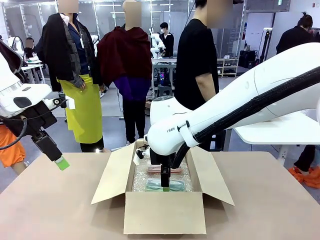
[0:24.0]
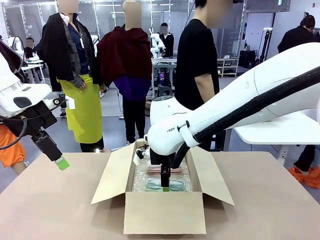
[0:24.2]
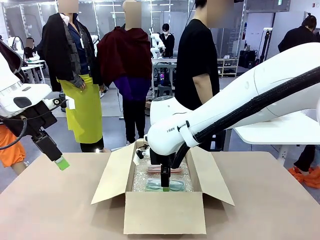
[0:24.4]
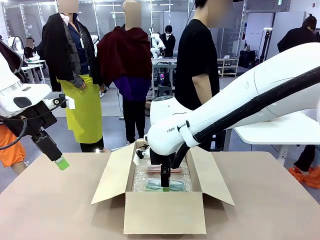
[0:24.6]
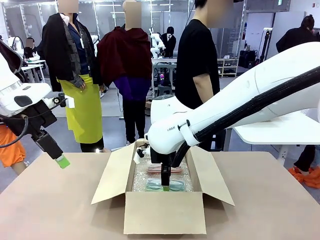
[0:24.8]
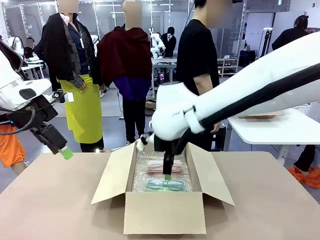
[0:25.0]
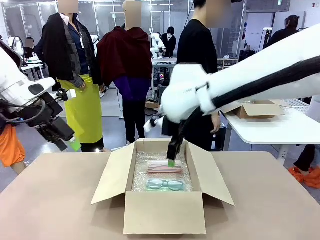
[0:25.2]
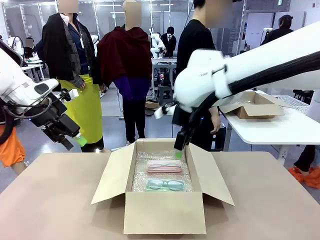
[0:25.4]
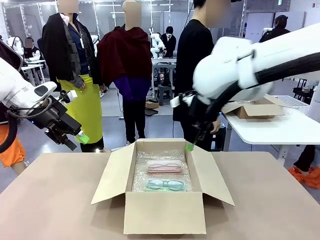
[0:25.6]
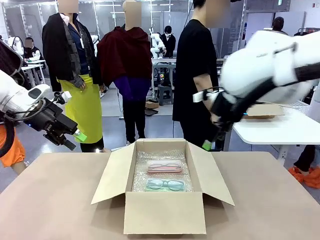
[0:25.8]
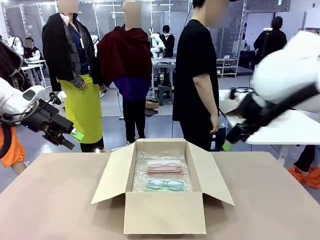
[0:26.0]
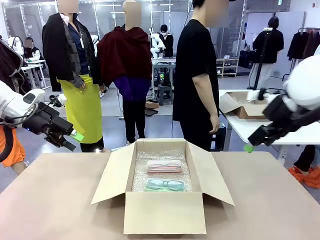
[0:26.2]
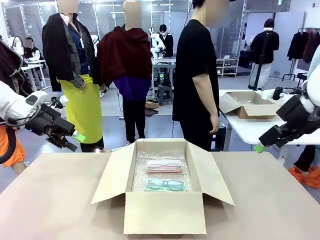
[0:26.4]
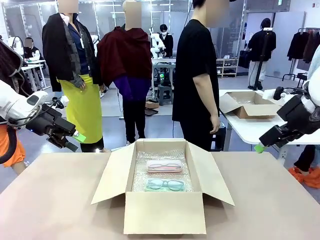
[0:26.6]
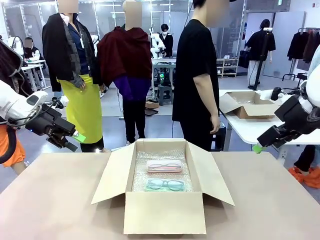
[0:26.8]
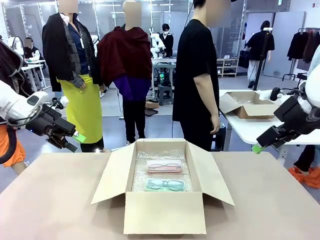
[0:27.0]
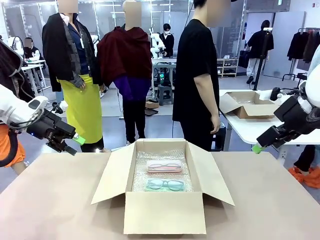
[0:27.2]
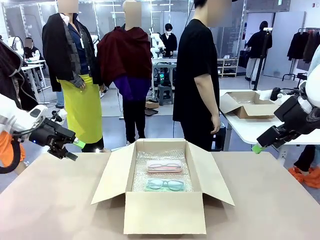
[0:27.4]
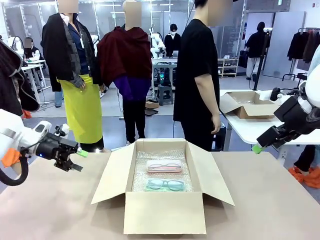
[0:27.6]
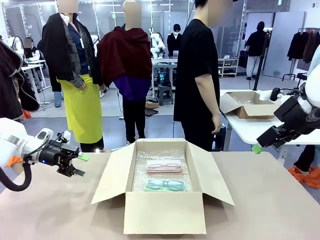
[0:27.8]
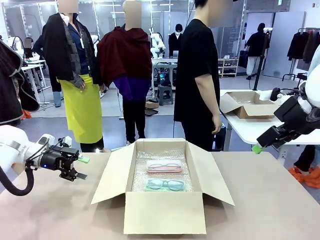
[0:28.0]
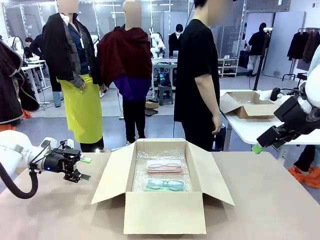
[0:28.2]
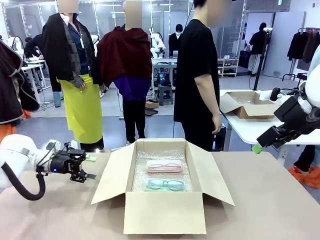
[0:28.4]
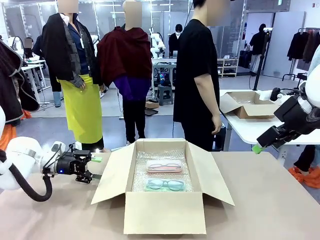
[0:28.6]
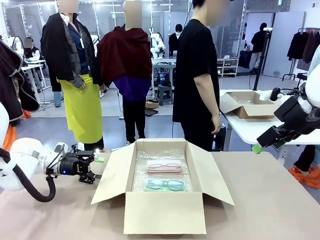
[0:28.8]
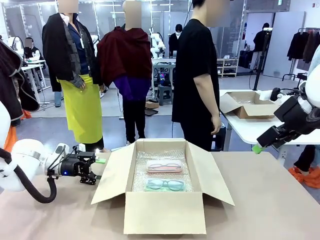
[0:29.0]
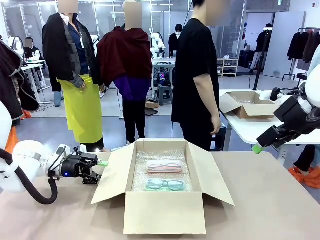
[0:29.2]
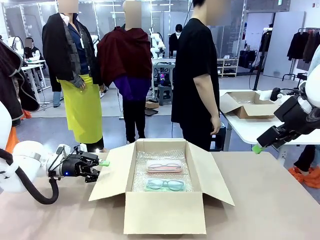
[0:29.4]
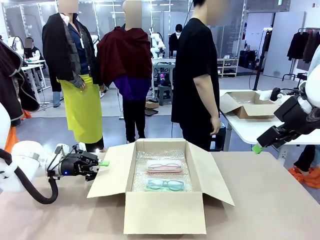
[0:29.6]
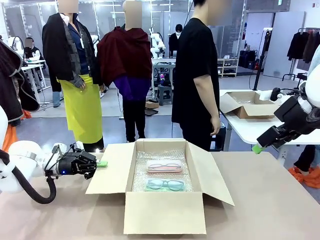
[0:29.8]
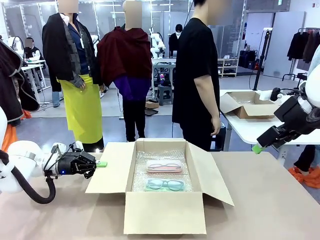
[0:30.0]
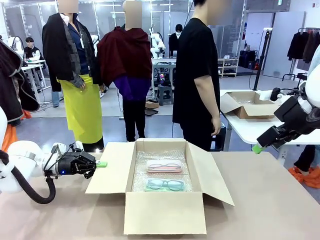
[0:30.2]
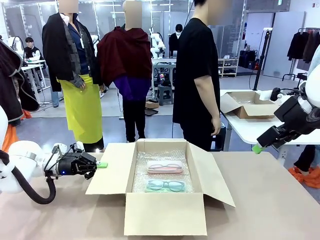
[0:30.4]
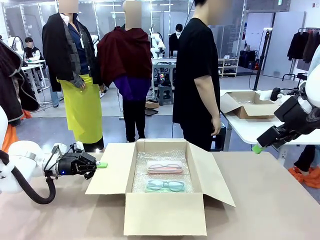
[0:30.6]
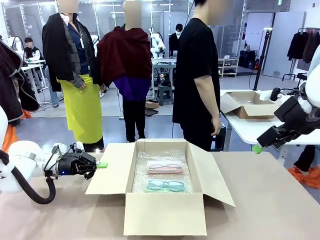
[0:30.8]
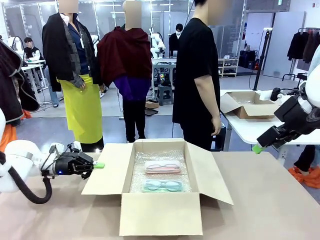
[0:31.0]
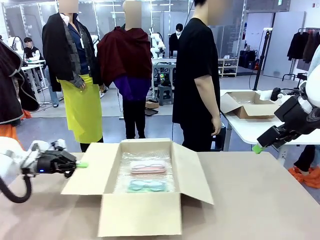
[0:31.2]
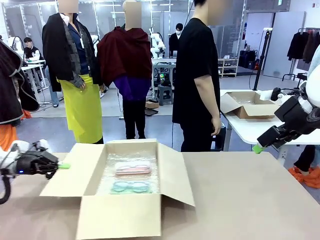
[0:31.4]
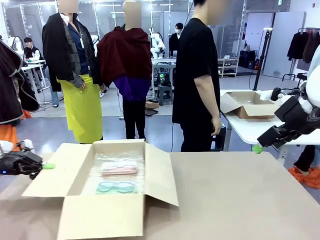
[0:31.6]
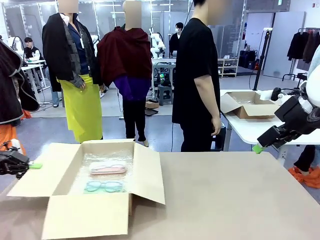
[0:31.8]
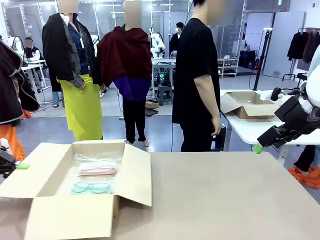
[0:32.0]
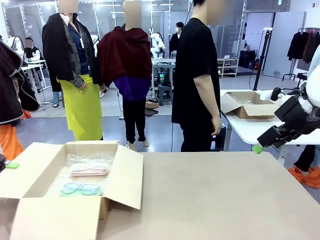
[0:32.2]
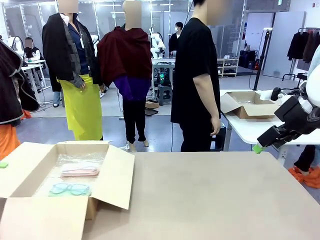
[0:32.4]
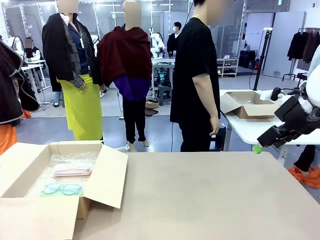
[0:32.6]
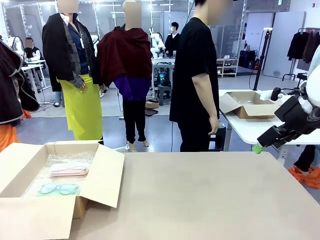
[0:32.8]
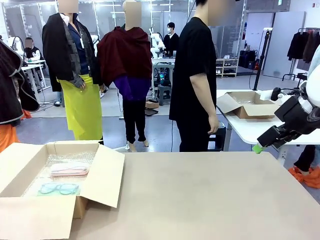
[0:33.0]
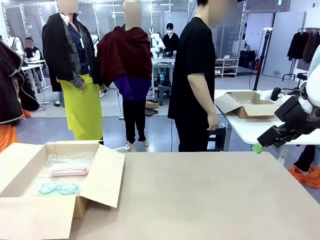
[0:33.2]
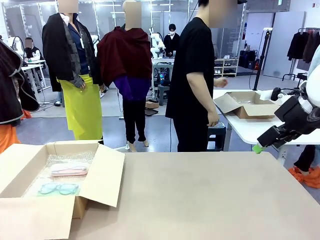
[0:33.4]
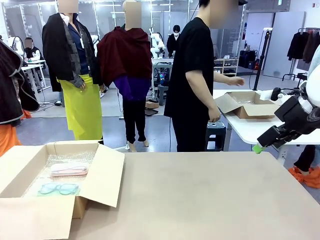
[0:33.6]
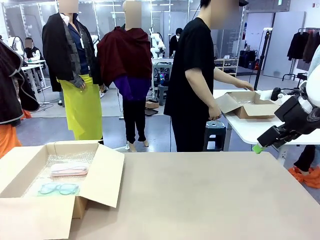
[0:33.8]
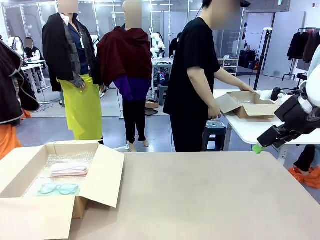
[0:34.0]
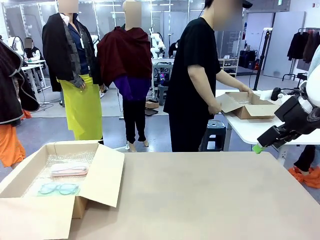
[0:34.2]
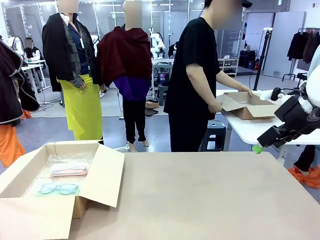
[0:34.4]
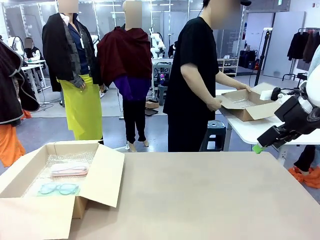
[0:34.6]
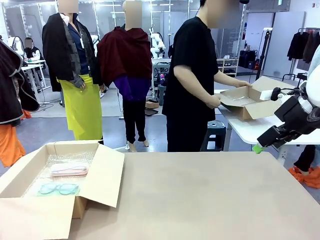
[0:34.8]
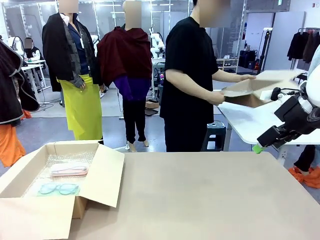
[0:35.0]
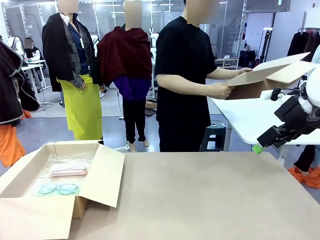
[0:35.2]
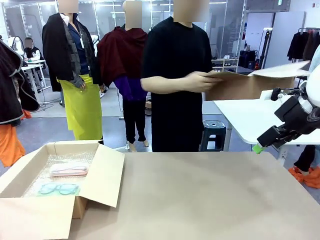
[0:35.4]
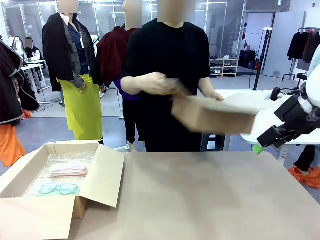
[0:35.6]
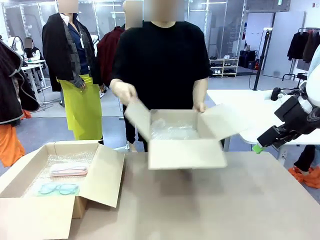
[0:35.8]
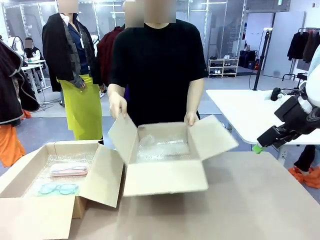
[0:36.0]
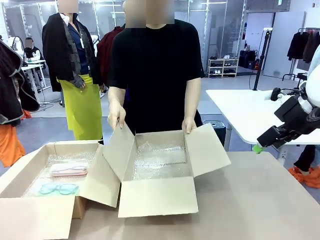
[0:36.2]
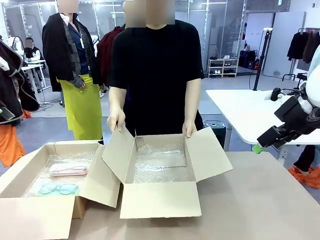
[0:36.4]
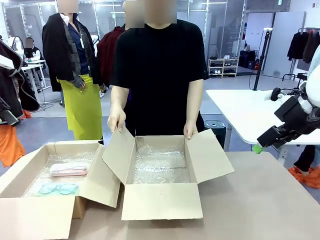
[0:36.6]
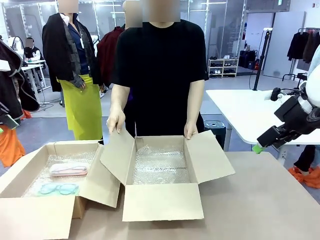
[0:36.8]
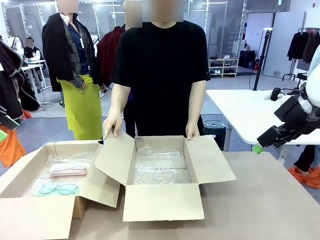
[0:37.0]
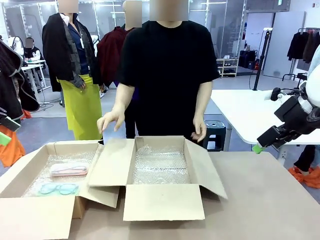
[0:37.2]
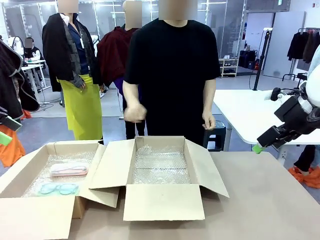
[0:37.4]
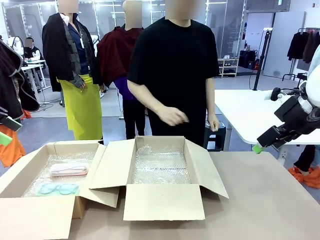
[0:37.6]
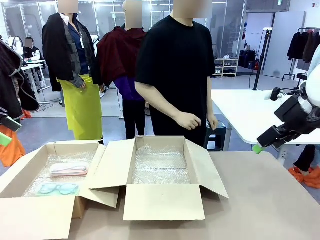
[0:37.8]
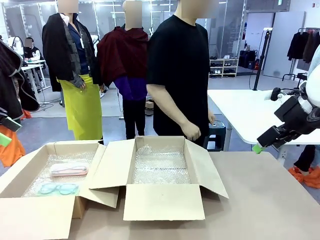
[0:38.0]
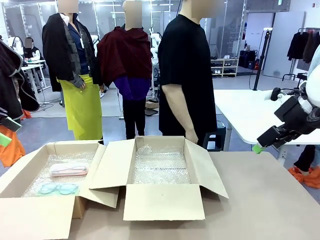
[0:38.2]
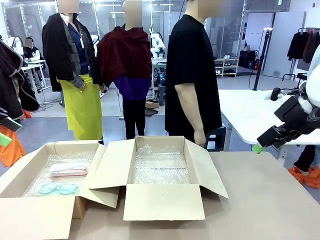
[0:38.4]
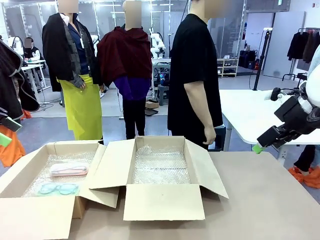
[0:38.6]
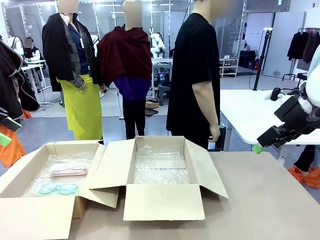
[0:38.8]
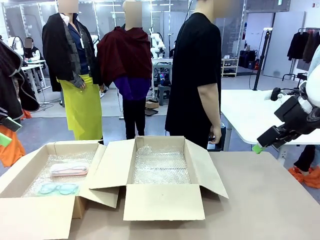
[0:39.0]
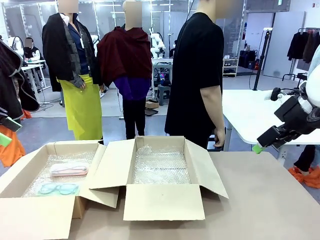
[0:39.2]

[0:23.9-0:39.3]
Task: Pack the glasses set securely to prepare it for shipping.
Robot: Position the Package Box on the left side of the table.
Person: Position the empty Package Box in the middle of the robot's table.

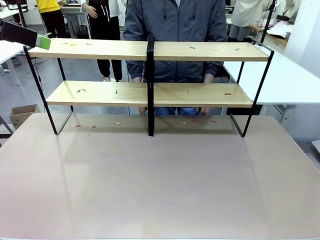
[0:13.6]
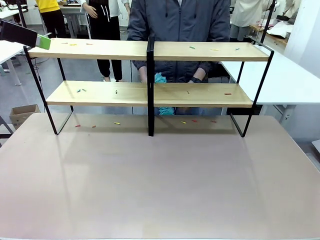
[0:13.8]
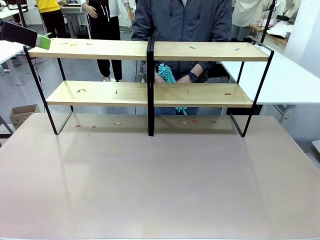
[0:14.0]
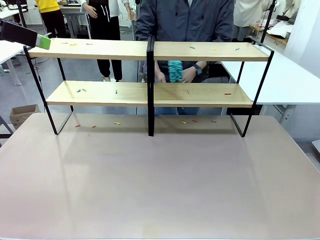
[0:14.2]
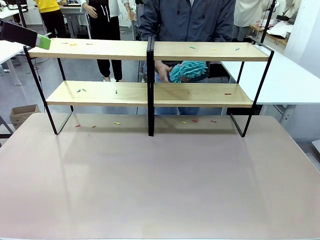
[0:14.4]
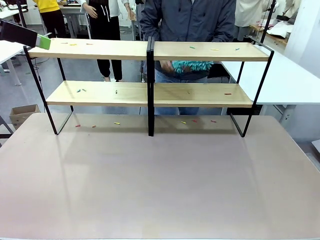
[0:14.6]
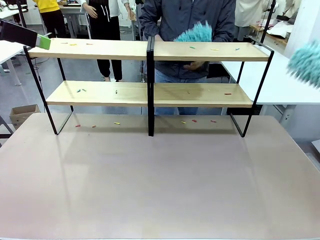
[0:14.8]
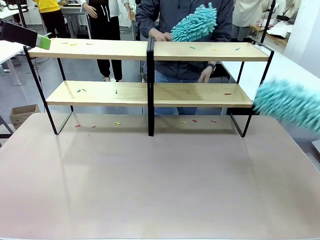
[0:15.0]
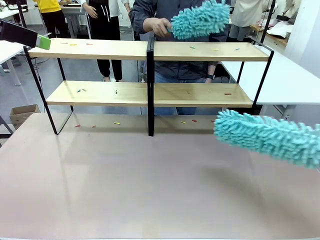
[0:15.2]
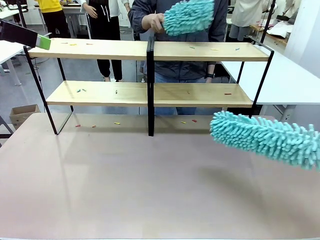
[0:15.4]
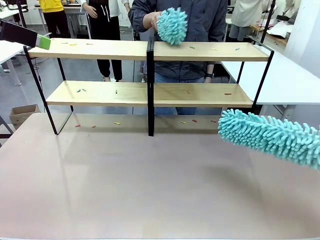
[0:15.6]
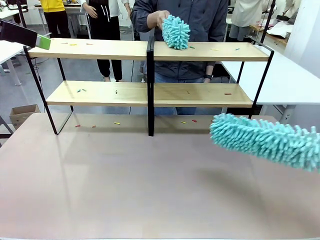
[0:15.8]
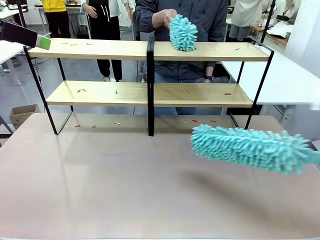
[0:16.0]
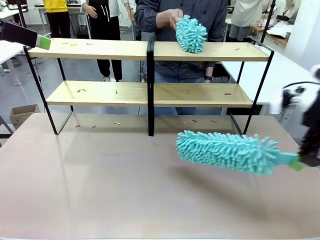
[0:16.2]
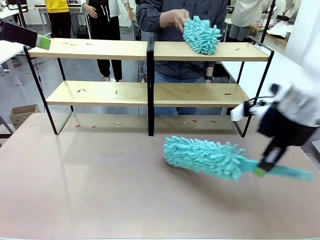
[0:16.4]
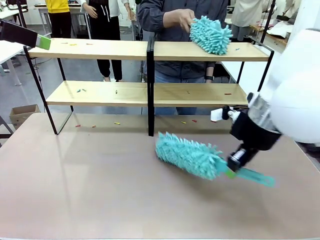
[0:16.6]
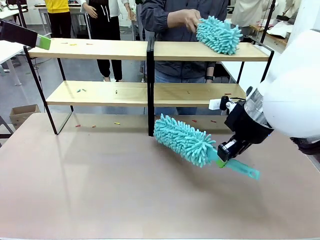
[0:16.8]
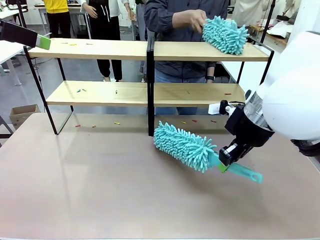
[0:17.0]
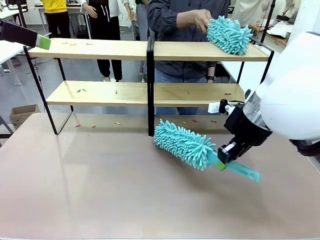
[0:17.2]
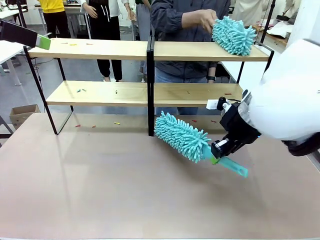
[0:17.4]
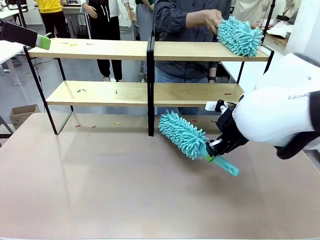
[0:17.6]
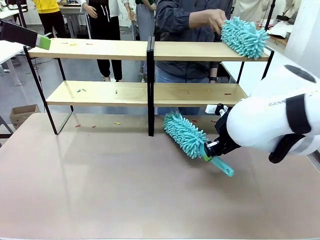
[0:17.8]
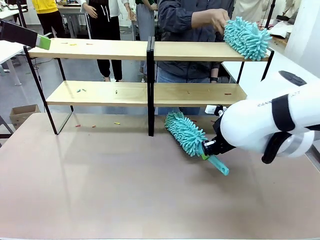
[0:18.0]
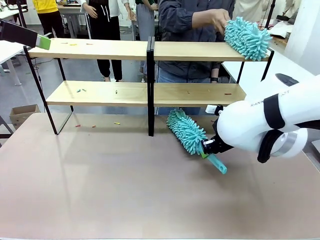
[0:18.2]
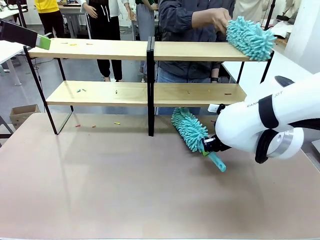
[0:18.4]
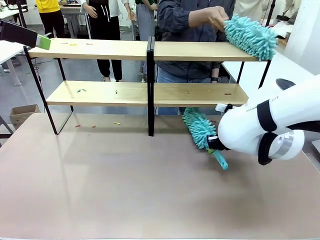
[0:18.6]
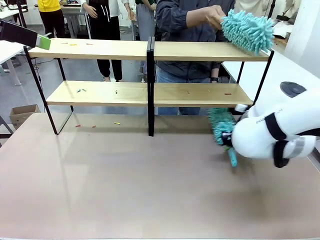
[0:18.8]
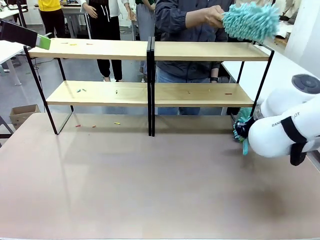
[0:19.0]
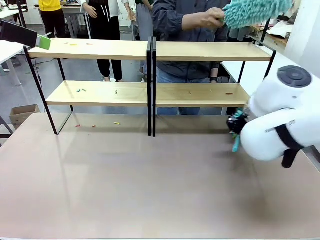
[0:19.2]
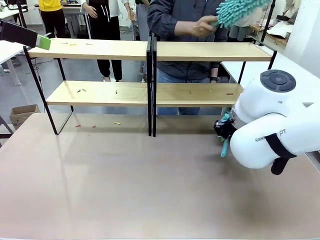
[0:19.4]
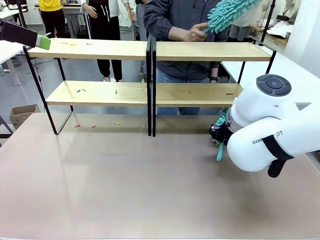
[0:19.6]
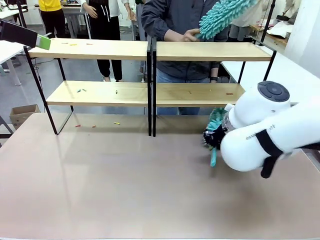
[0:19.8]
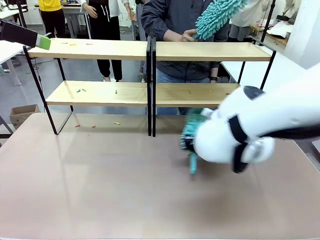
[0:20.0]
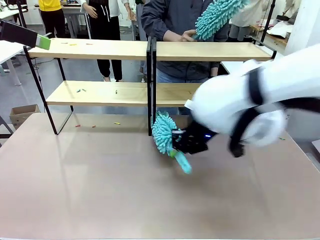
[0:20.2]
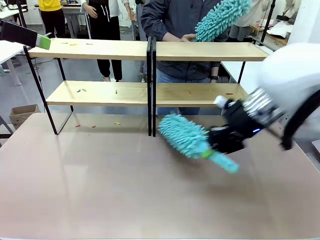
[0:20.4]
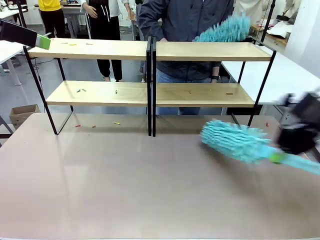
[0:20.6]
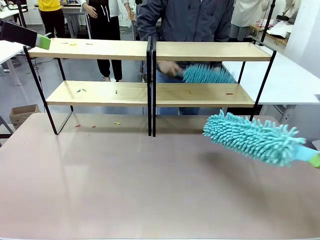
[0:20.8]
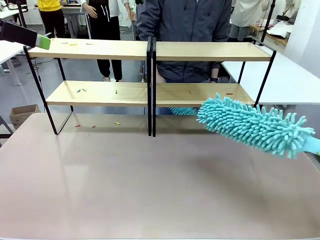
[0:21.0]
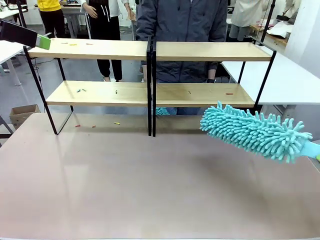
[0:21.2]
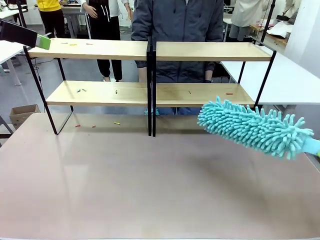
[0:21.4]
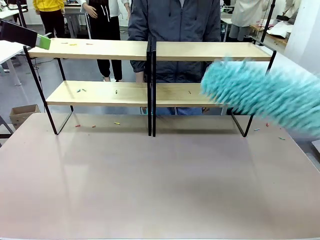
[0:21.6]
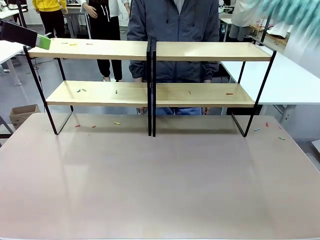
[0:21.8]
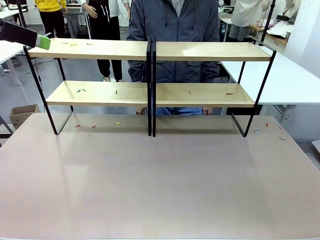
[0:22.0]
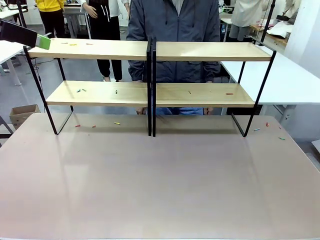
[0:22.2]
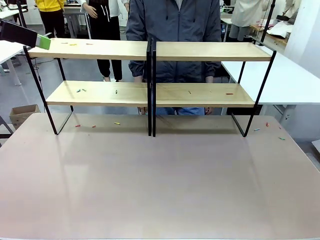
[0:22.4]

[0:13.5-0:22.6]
Task: Clean the shelves.
Robot: Clean a randomly selected level of the Shelf with the Duster.
